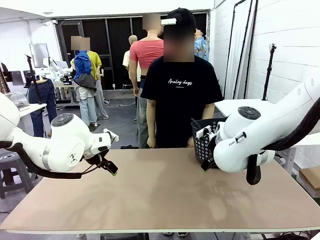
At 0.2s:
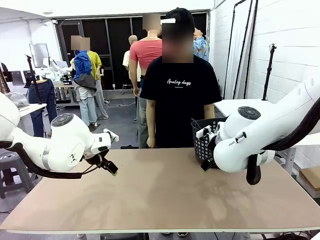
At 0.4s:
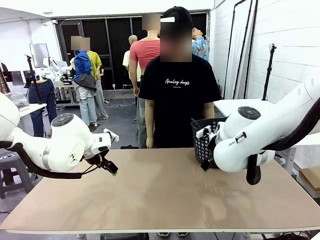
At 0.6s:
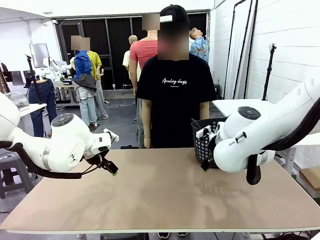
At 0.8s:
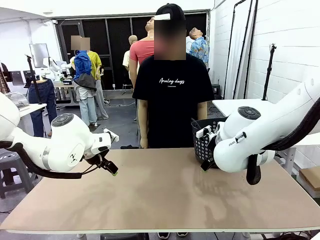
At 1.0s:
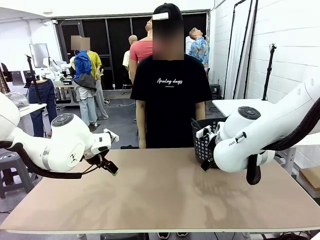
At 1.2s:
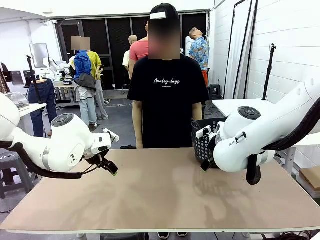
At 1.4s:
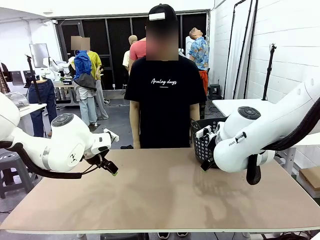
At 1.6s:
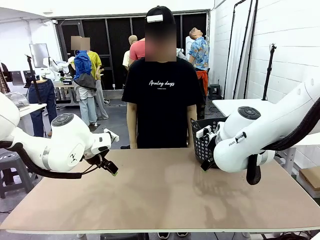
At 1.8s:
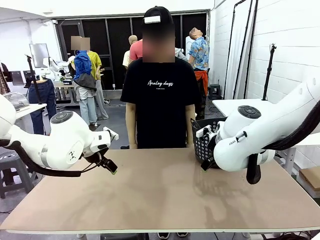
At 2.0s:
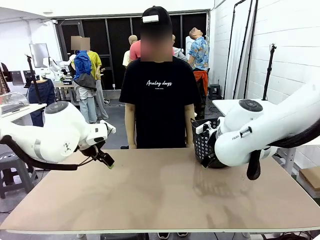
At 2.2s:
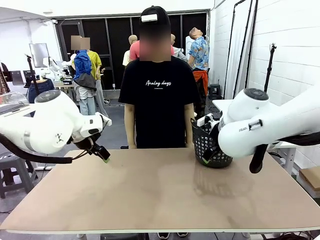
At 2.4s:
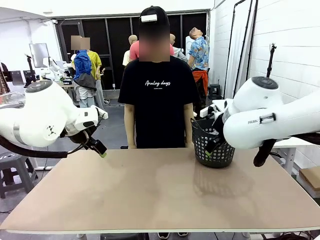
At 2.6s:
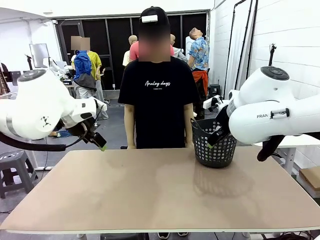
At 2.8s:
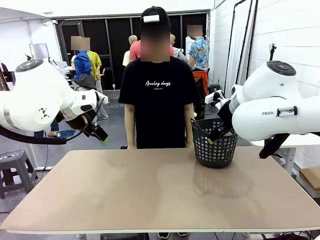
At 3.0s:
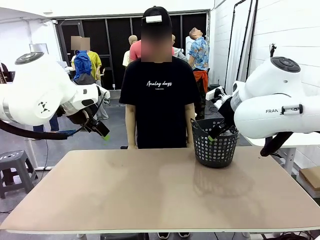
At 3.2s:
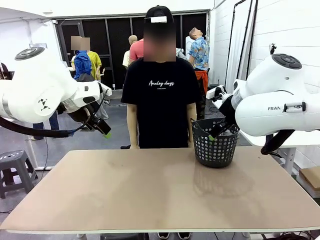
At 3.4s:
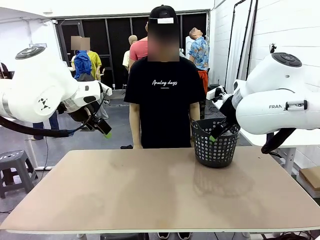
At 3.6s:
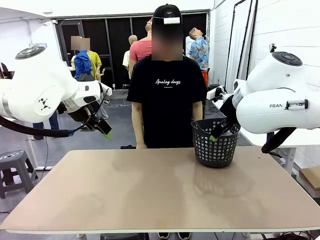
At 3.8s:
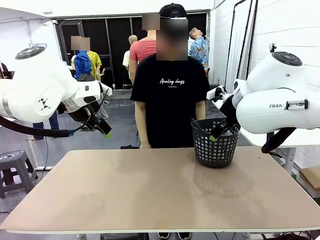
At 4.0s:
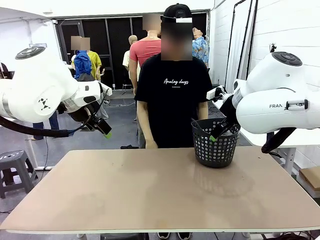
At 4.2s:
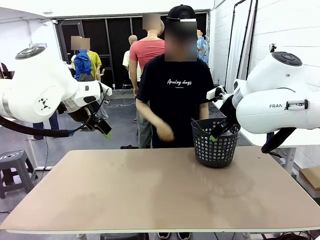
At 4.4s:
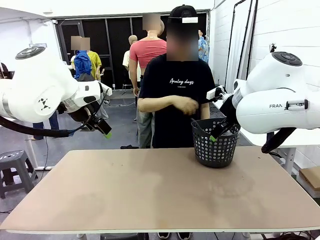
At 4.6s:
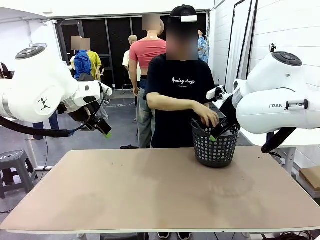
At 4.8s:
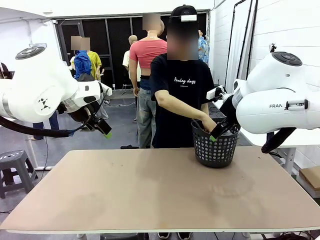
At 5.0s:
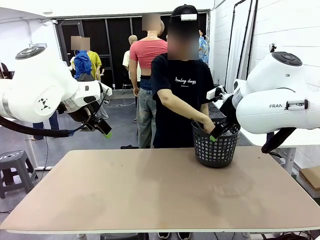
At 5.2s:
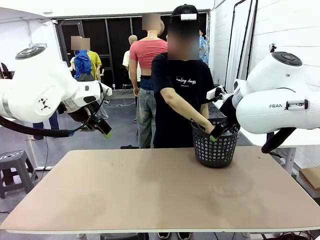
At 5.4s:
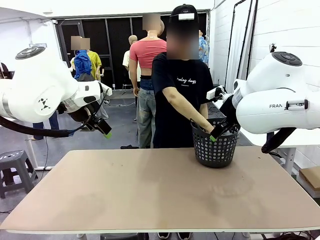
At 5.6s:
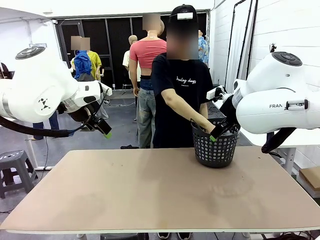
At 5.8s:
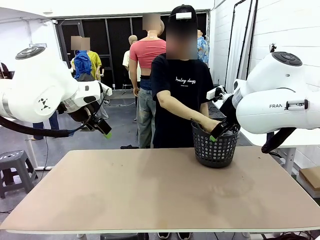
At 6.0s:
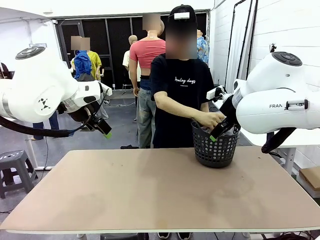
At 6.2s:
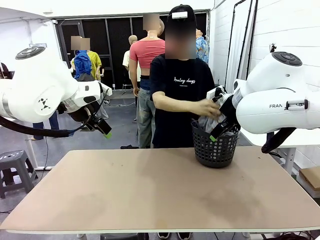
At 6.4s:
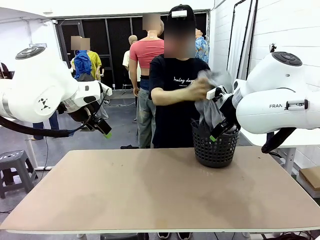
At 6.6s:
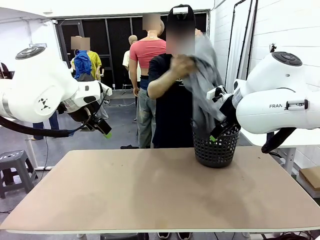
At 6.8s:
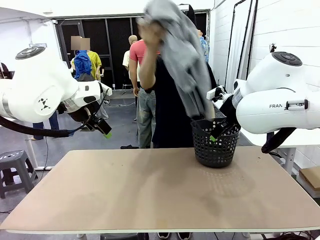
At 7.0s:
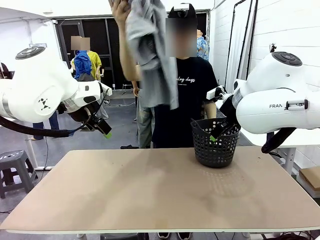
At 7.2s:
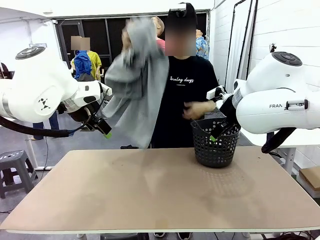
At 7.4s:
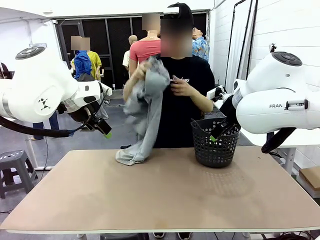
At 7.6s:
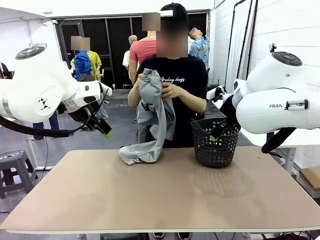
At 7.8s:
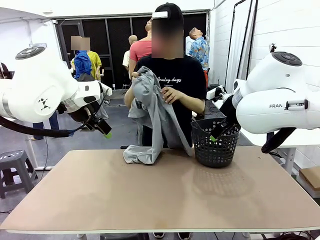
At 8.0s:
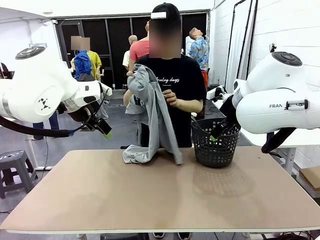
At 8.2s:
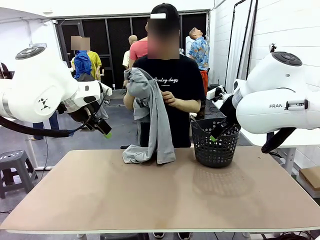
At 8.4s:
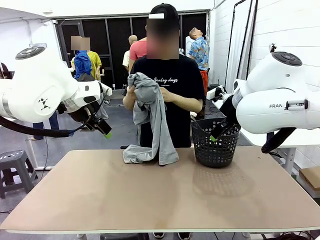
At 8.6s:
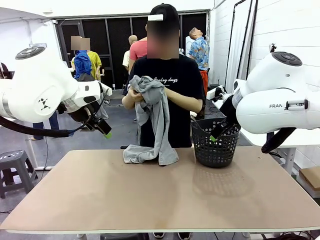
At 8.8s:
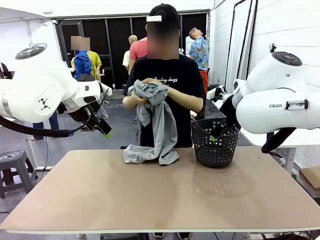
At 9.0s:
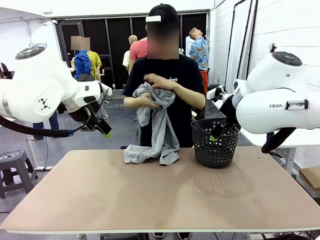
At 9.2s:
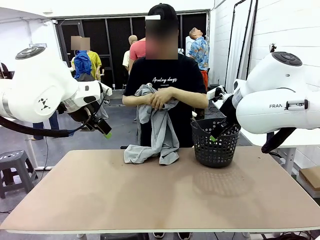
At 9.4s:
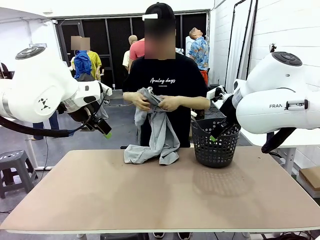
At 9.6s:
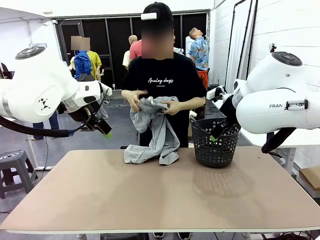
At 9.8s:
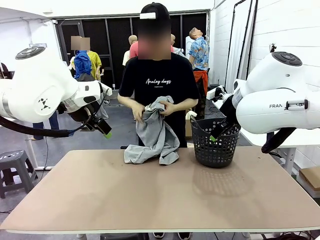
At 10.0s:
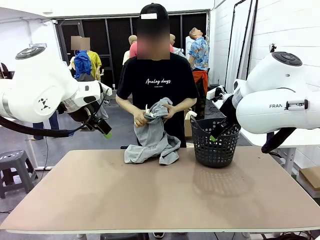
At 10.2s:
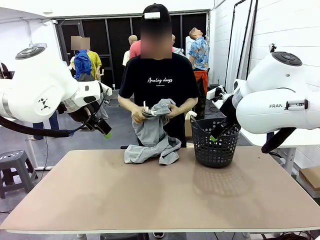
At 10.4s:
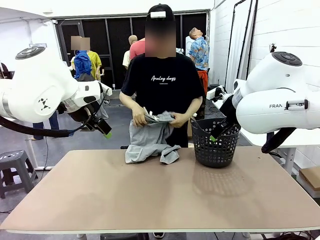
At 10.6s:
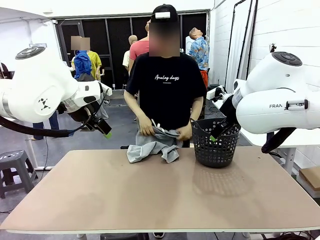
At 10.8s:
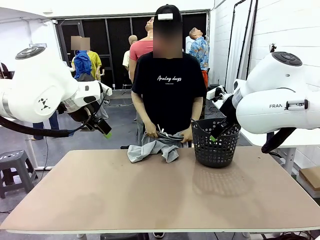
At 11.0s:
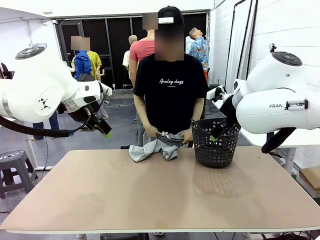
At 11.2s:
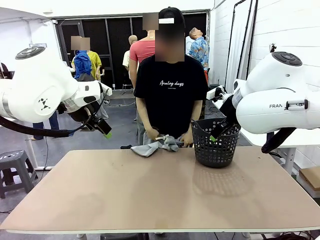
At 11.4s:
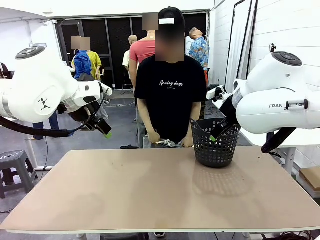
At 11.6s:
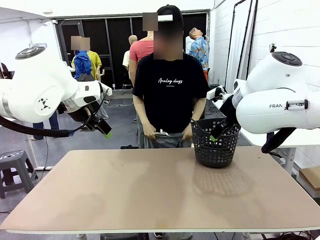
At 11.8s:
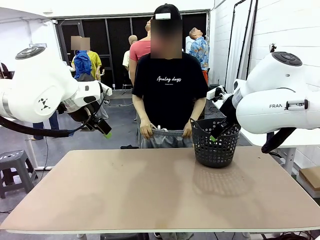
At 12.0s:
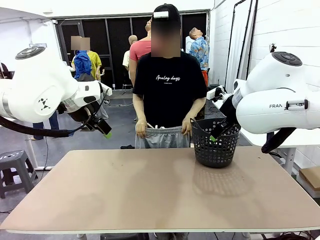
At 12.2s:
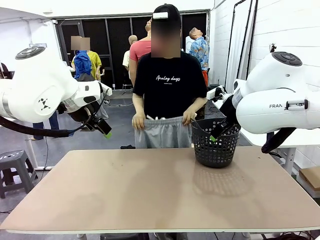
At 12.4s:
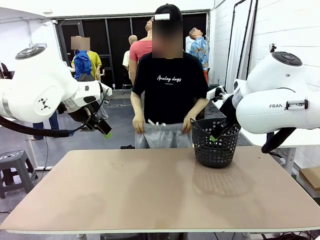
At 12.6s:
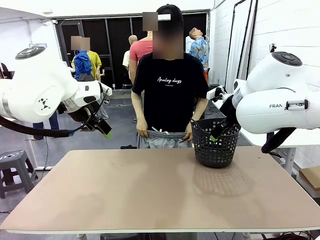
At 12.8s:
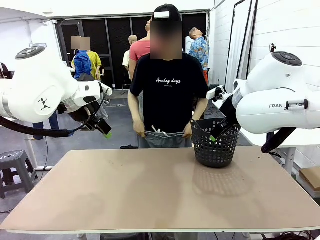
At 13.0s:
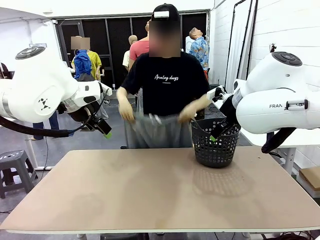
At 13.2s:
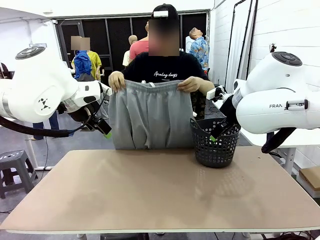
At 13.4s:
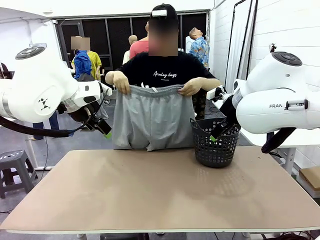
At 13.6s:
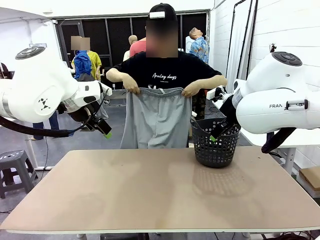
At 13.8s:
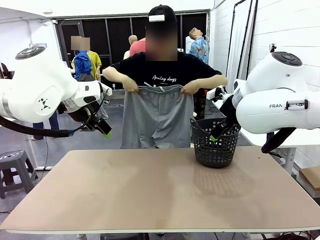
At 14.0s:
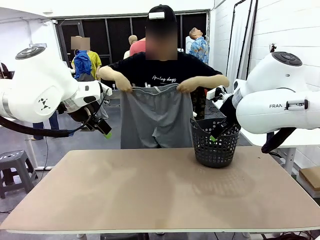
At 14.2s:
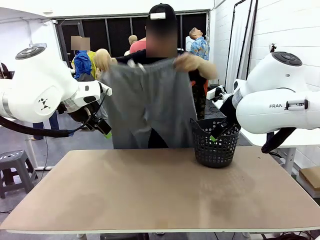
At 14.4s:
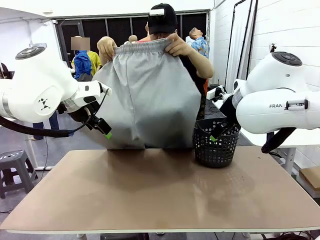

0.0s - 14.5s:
Task: Fold the training pants.
Robot: Grab both ends of the Training pants handed by a person.
Person: Take the long pants out of the laundry basket, unfold them, fold the waist in half, and extend them so the robot can pick up both corners.

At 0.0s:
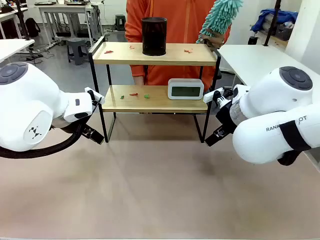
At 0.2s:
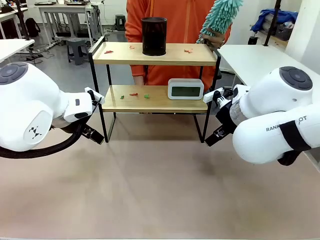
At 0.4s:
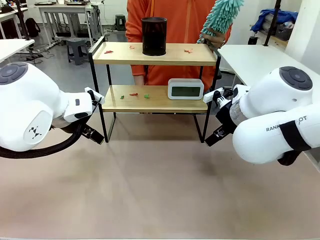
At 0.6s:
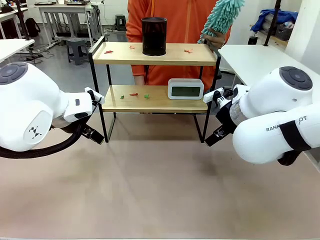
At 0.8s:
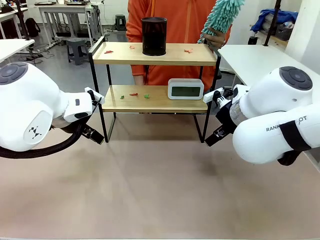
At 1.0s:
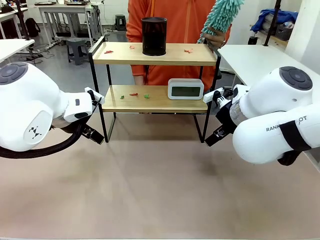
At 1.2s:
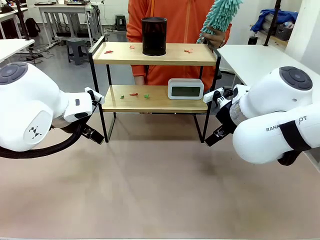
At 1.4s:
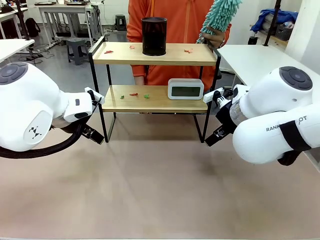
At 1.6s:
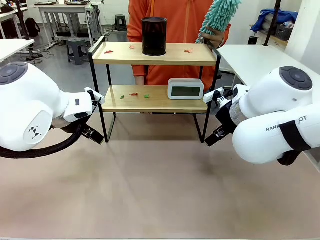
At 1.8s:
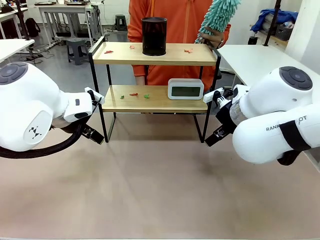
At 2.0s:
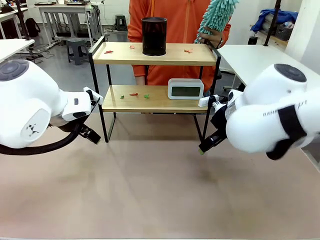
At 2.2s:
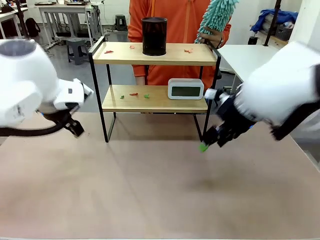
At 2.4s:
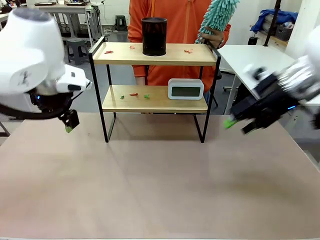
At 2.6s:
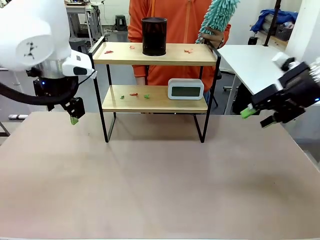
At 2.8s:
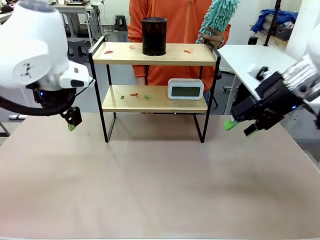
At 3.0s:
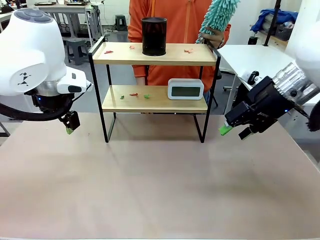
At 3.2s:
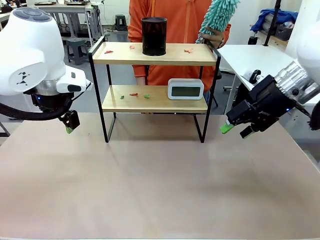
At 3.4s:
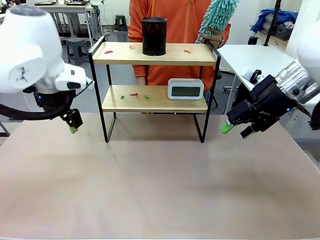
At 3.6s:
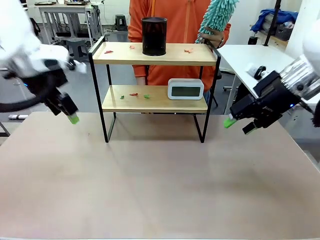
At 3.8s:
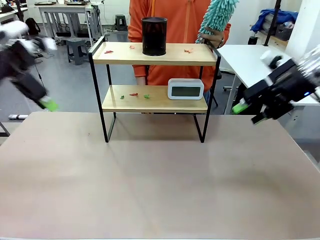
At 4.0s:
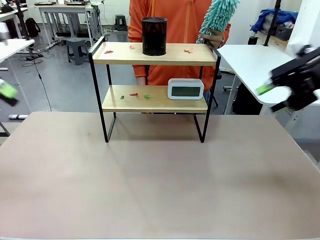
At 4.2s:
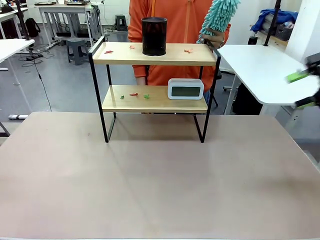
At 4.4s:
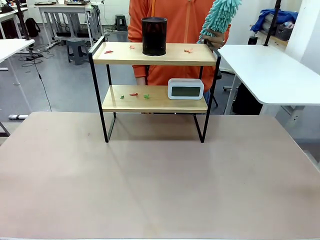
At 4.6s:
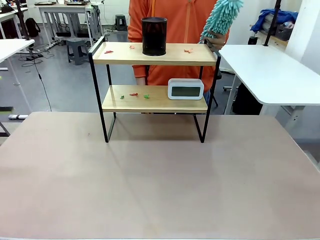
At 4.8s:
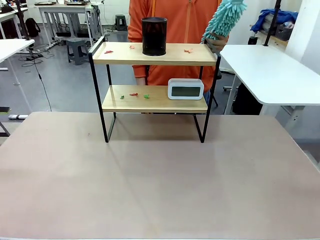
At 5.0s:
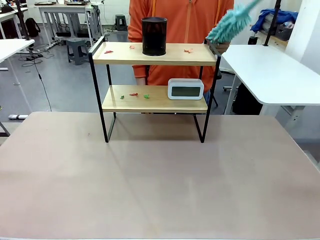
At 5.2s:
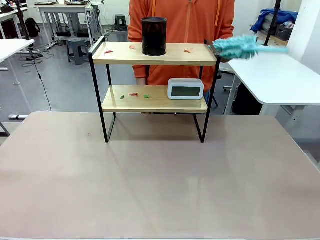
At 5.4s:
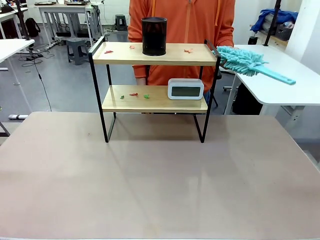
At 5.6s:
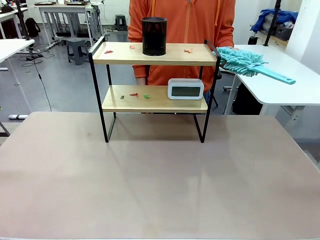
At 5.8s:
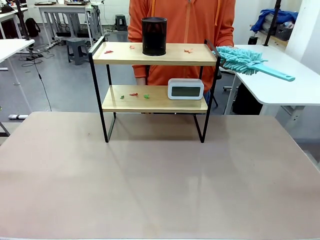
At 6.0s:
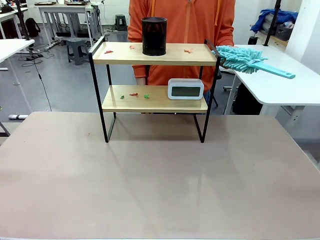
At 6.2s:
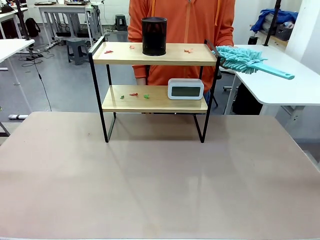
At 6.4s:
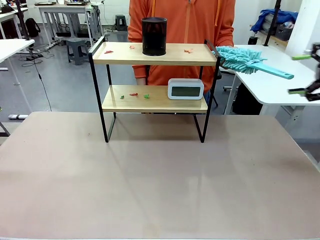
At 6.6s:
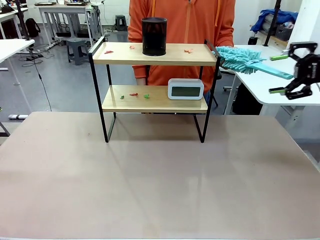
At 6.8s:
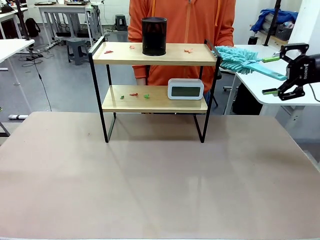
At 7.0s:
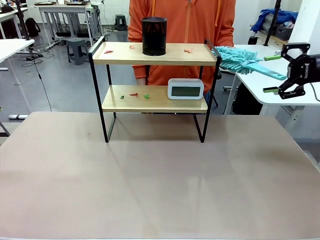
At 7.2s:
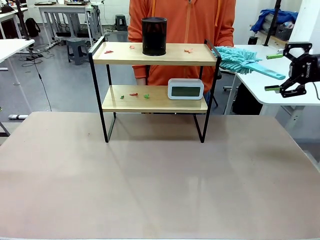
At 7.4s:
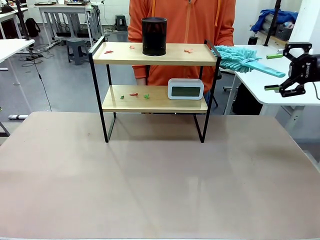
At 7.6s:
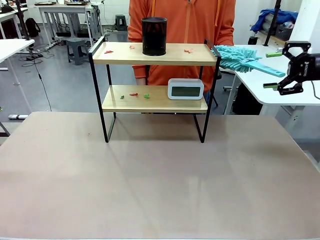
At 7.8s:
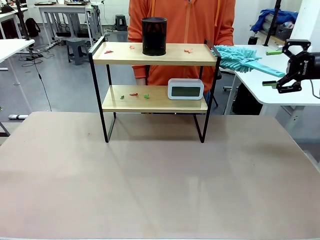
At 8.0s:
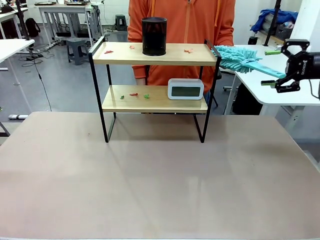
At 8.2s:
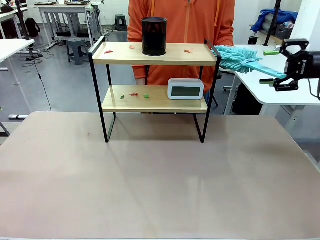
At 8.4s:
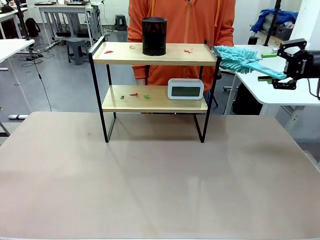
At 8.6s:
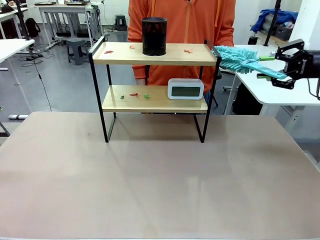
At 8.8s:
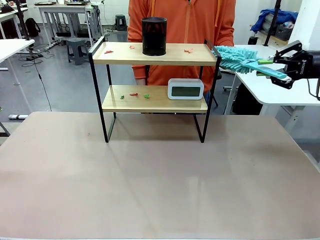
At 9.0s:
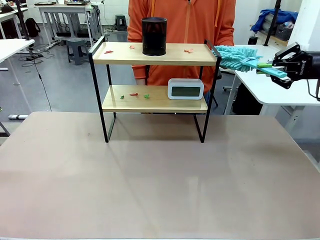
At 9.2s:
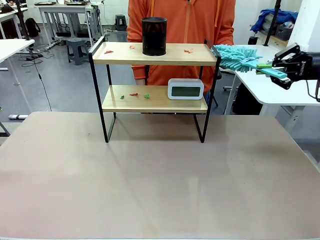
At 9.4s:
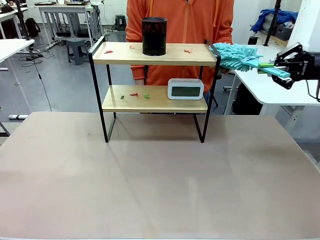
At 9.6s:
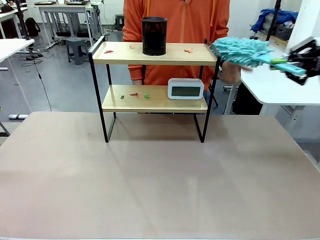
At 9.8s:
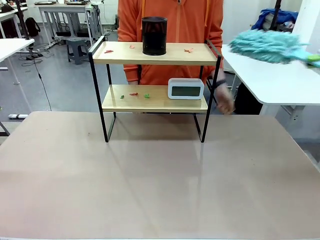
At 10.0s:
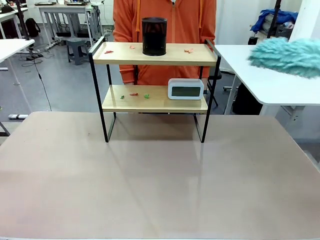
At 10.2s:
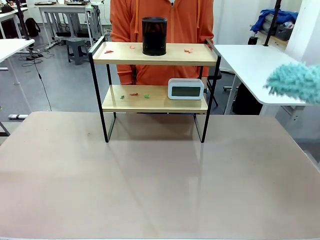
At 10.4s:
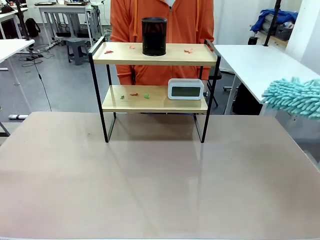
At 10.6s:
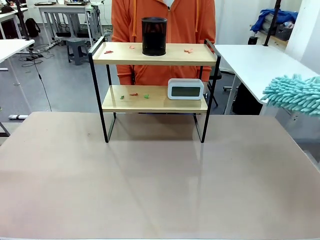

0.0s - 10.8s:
Task: Clean the shelf.
Robot: Pick up the Duster from the human.
Person: Hand the Duster to the robot.
